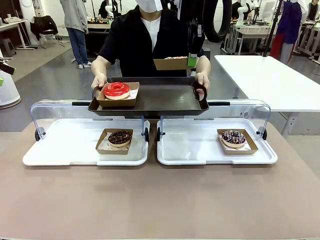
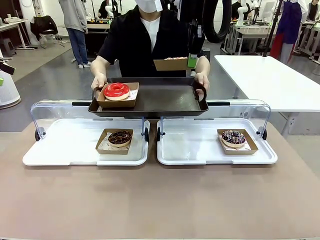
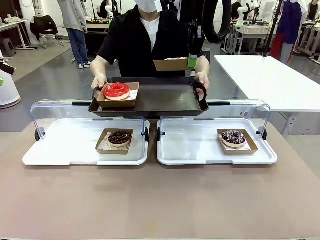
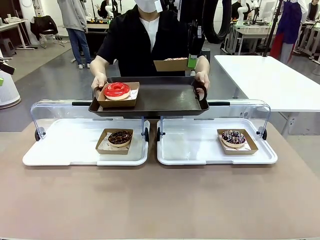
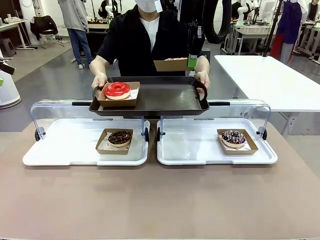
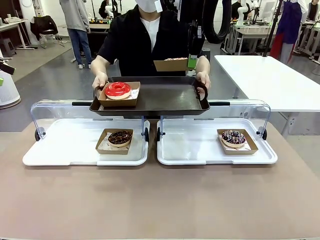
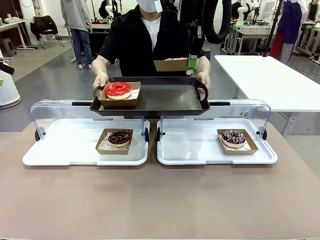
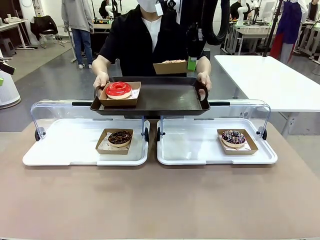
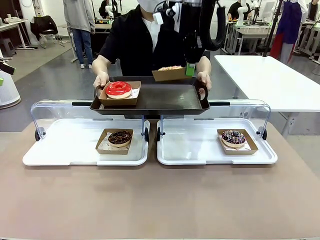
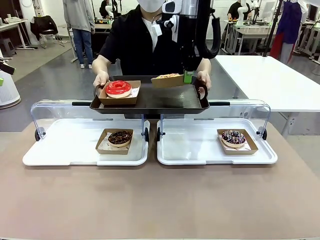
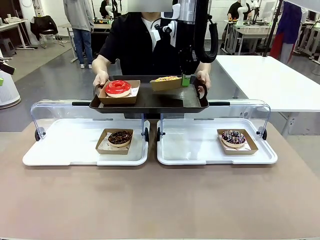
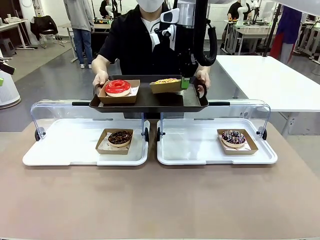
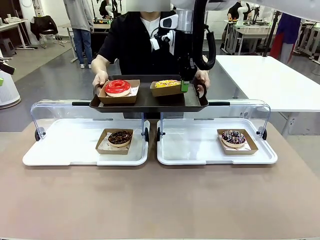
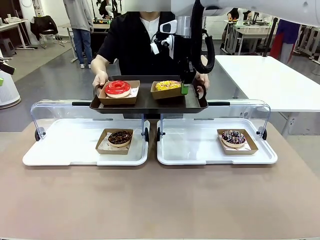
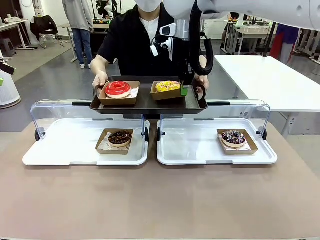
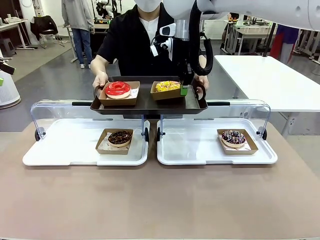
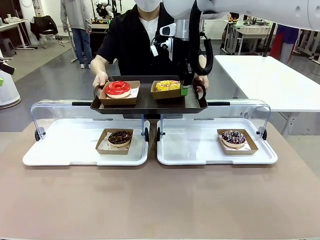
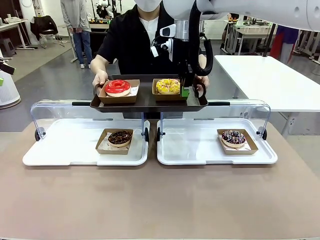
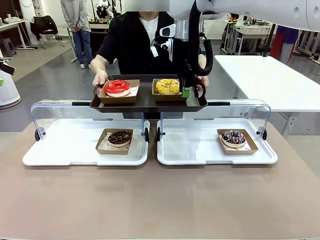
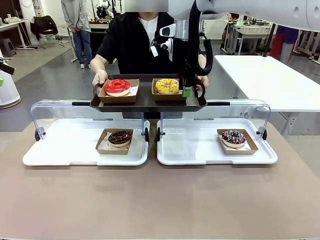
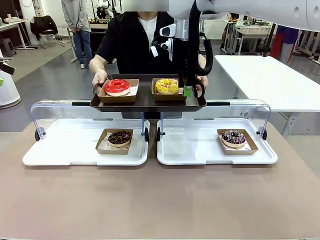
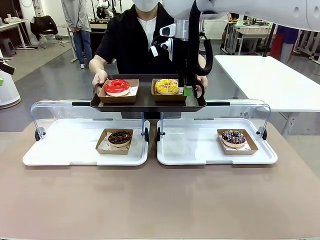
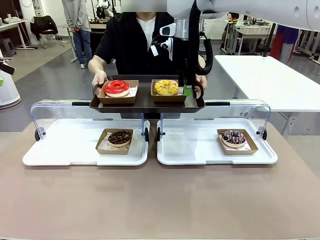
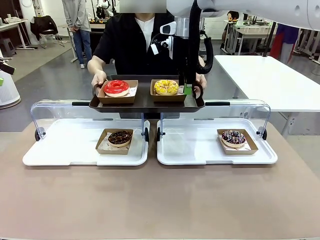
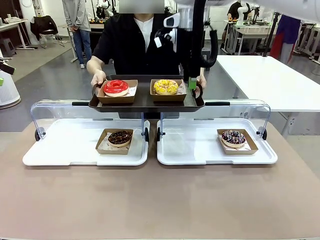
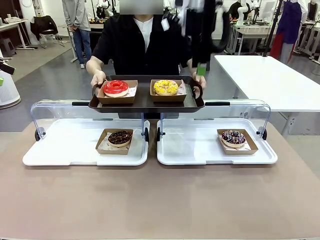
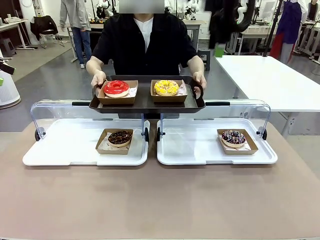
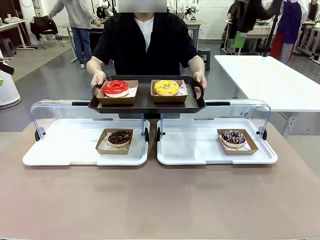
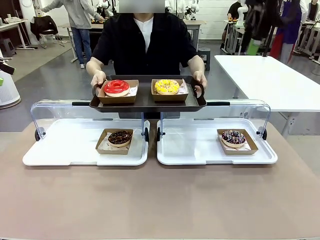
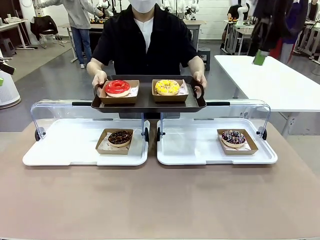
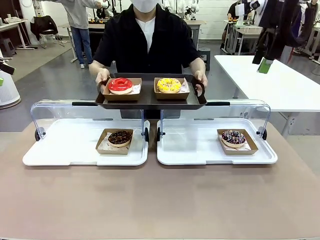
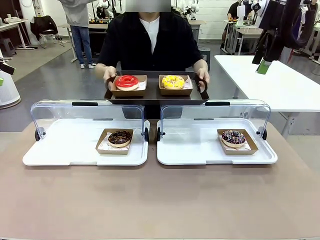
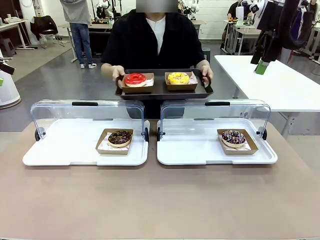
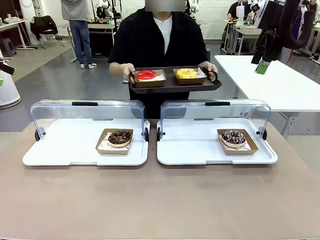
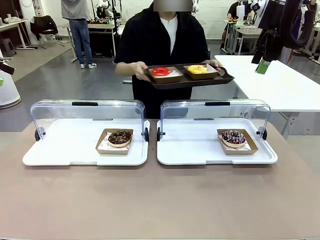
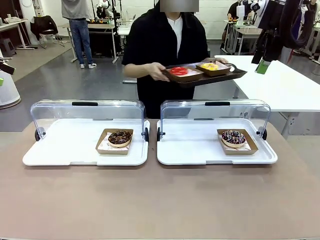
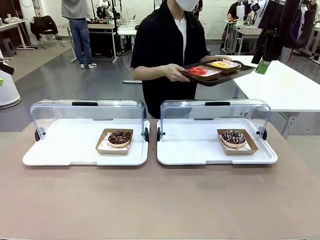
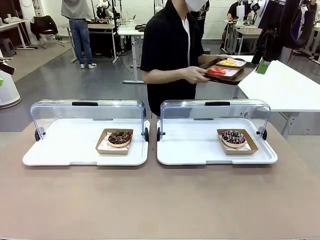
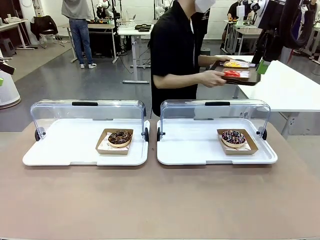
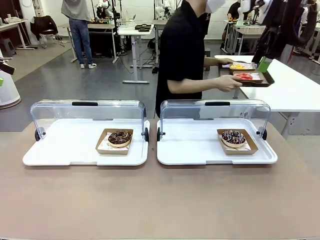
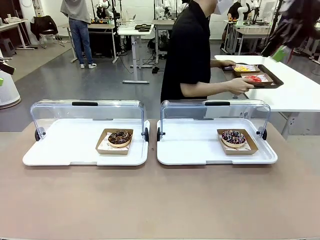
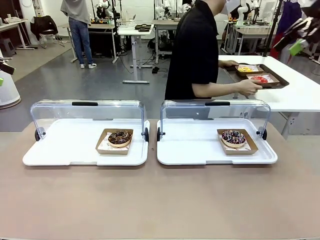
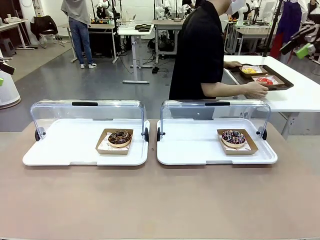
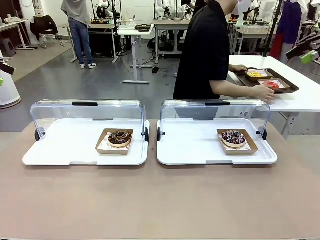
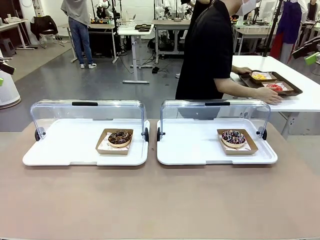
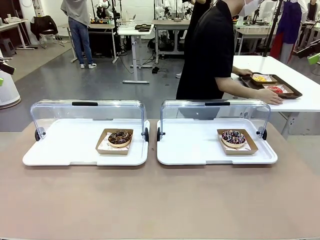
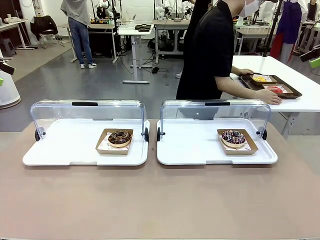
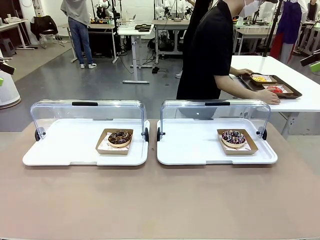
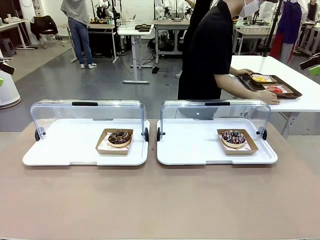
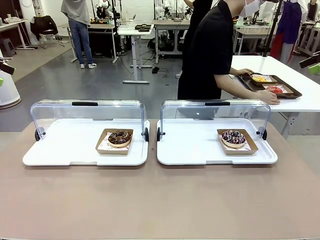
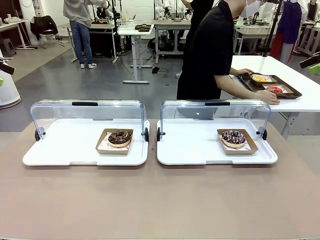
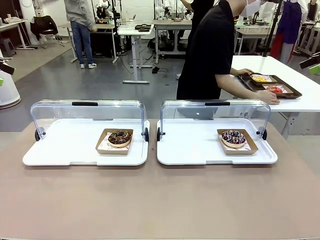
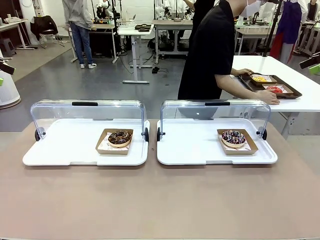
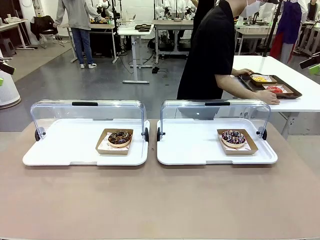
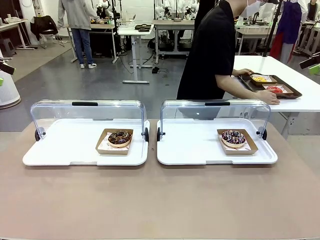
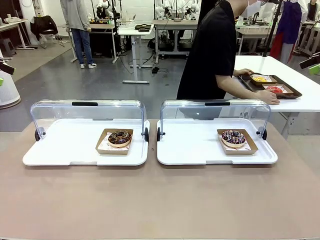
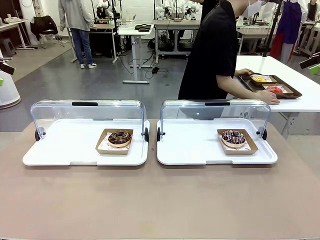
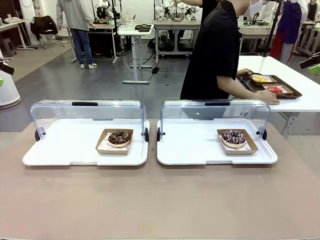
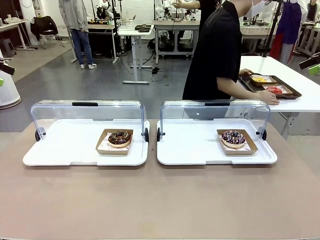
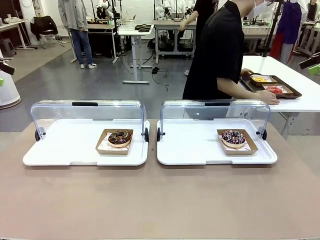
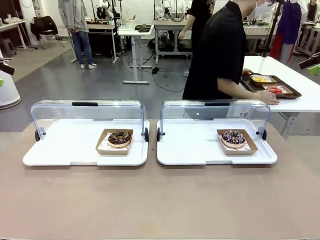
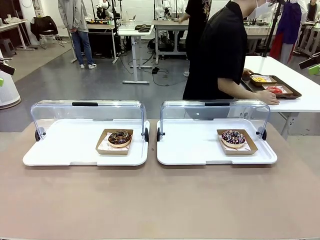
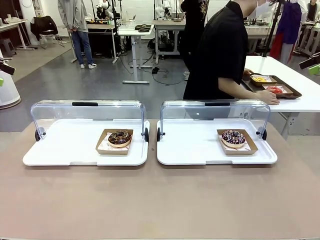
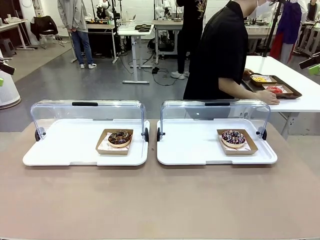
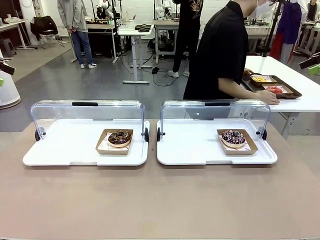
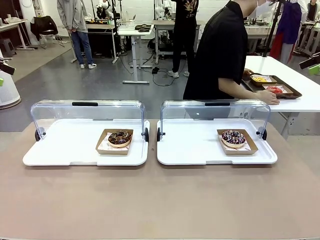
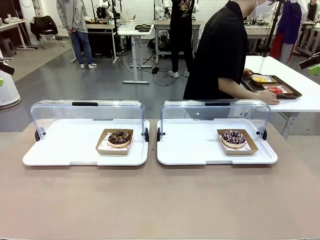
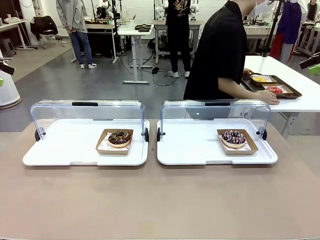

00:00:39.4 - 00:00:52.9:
Task: Provide the desired donut to the person.
Robot: Place the picked Paper togo box onto the Handle tray extended by the person.
Person: Place the tray in the middle of the human table.
